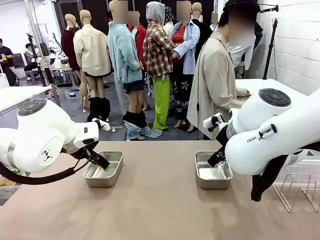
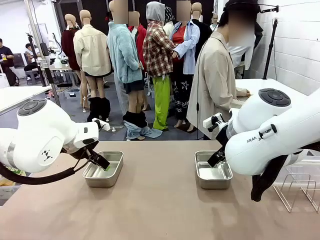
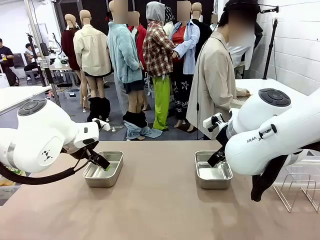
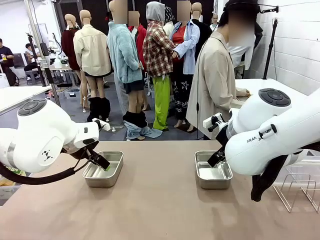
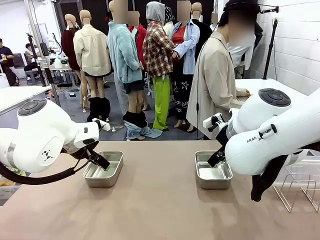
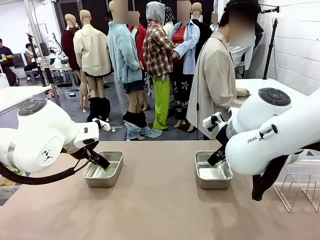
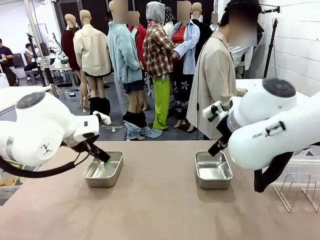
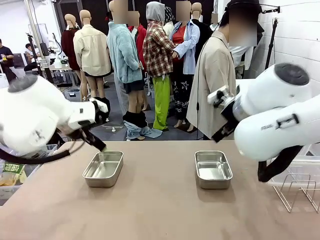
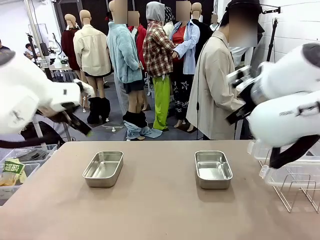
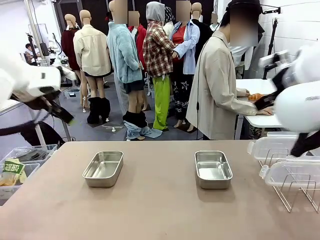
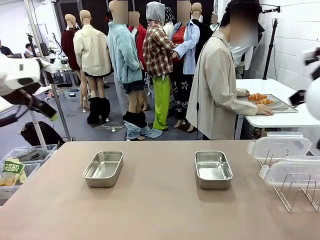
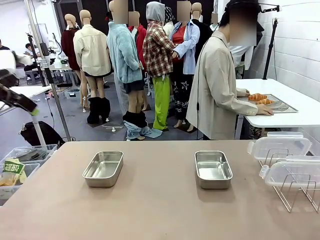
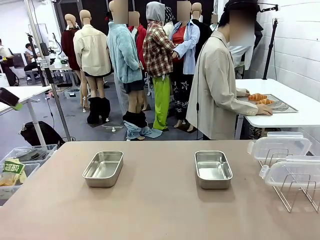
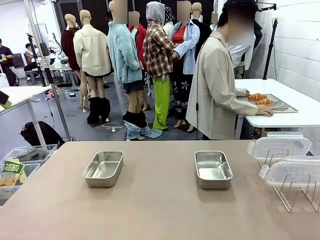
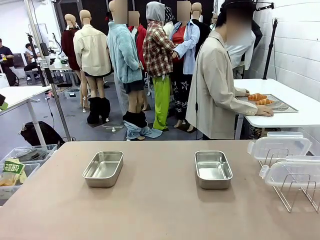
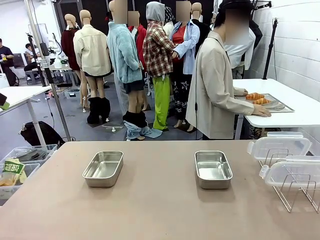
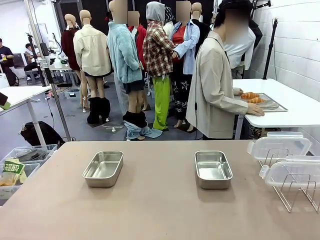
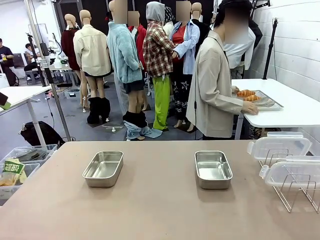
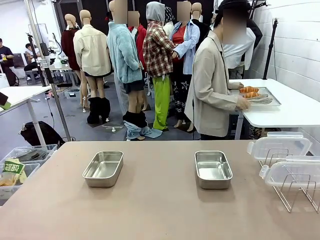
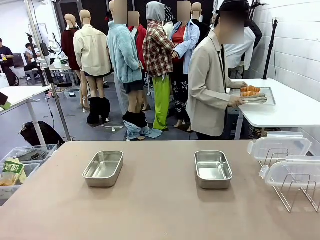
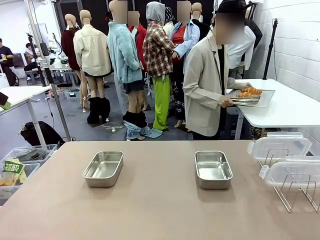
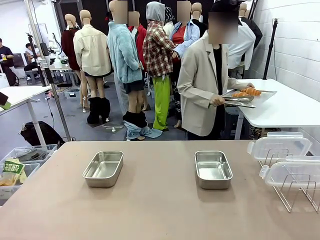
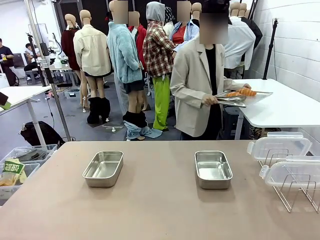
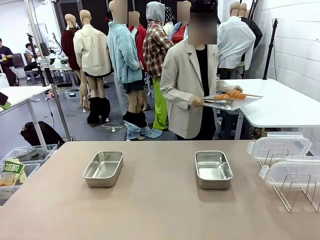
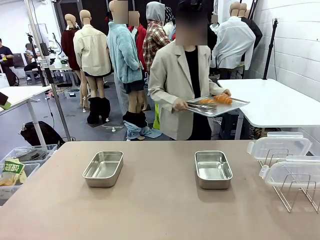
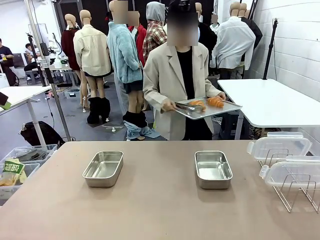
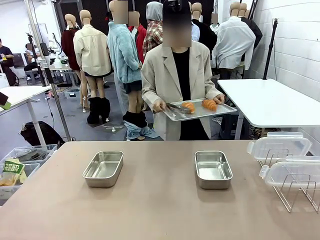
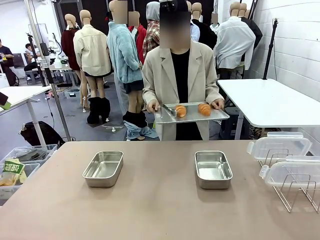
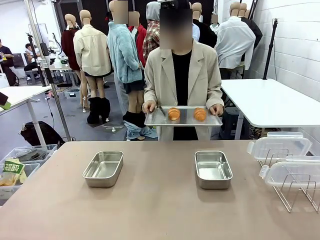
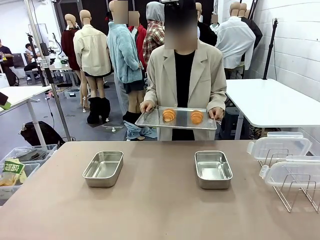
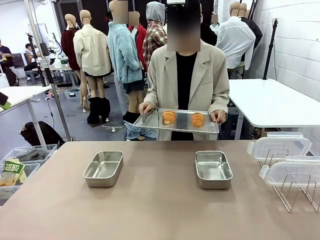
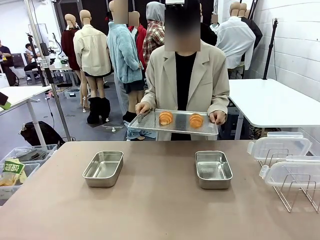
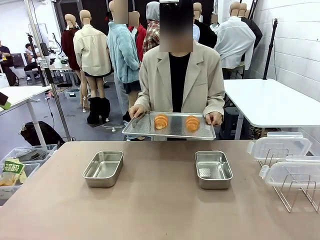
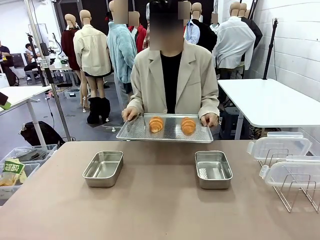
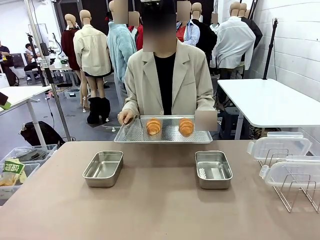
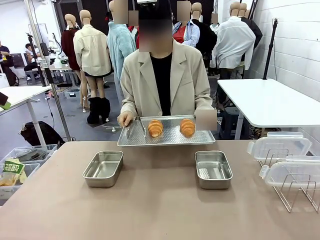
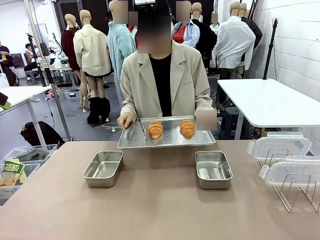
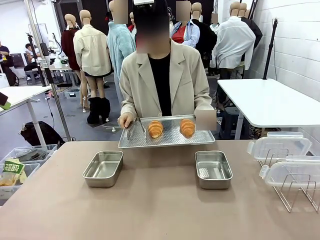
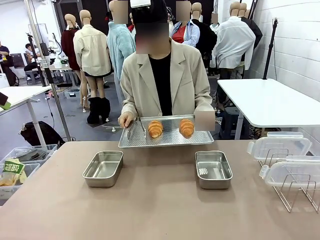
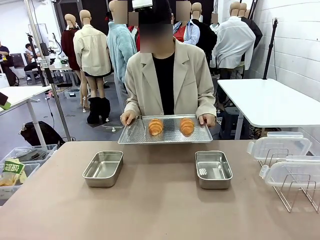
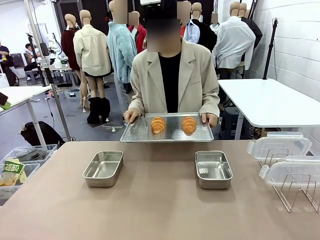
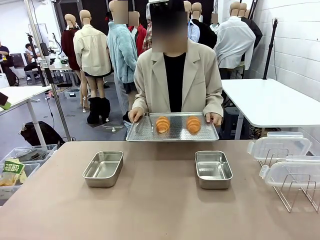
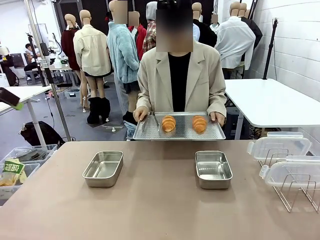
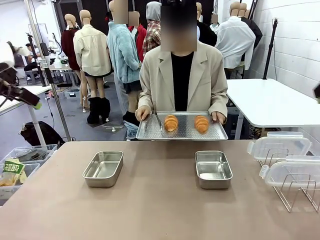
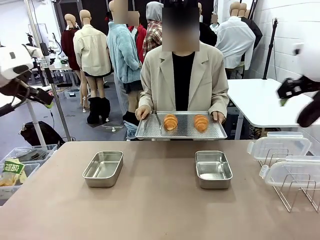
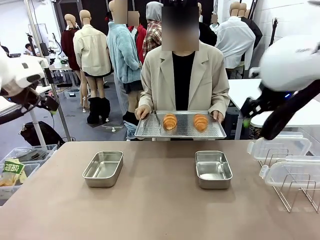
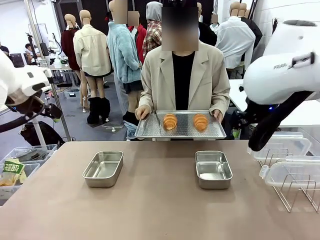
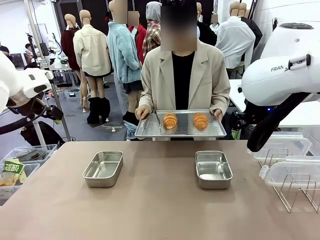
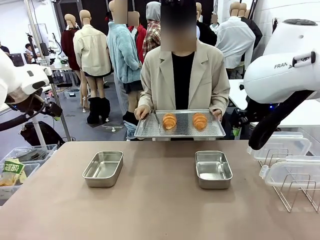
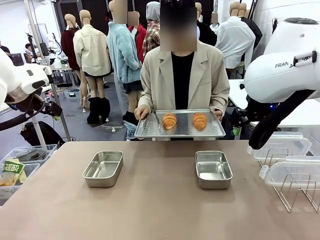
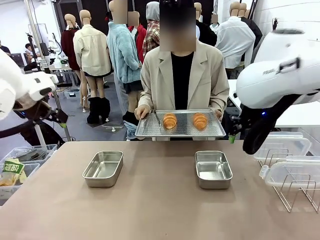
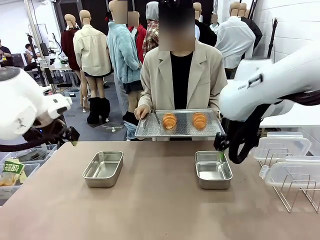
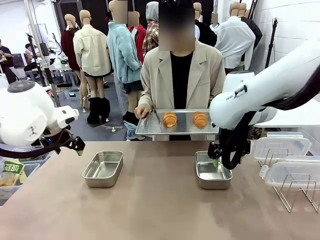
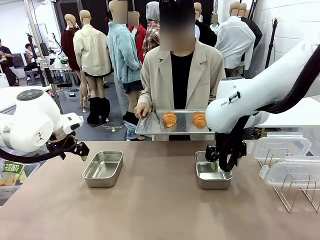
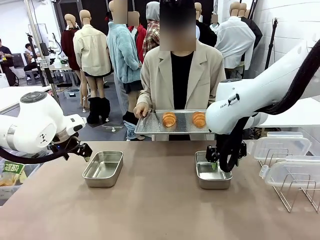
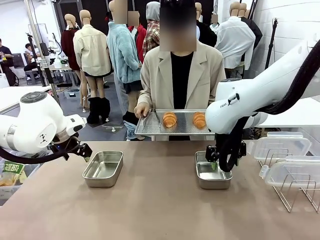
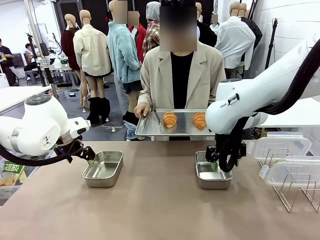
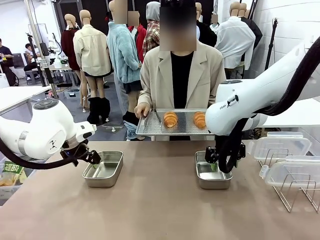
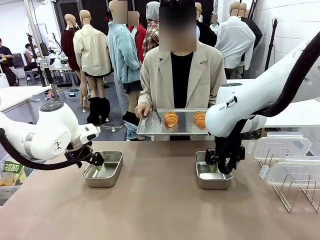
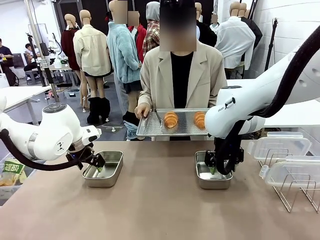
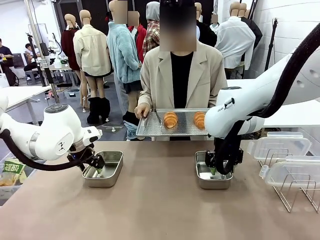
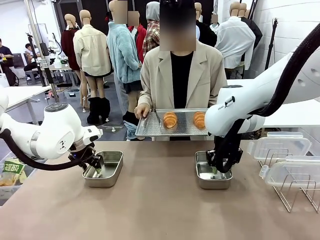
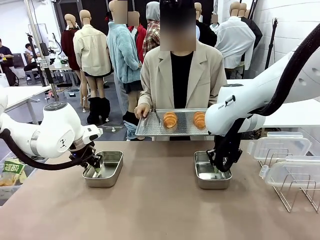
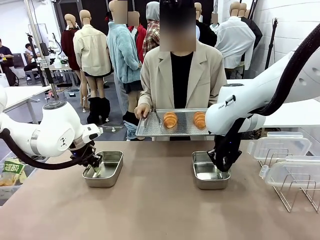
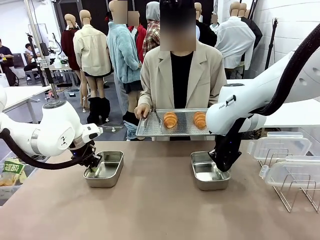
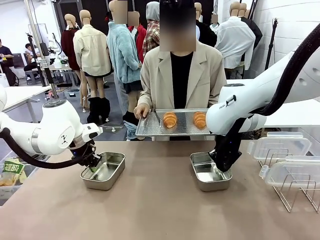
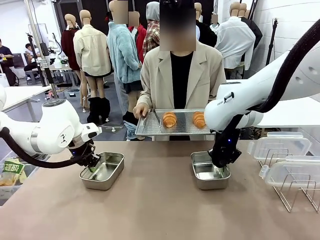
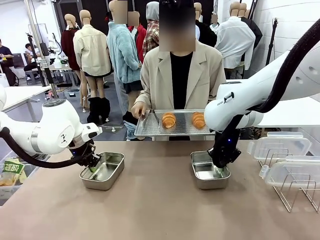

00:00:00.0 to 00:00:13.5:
Task: Place the bread in airtight containers.
Robot: Lift both Airtight Container.
Person: Bring the Baking Sheet in front of Robot's Table.
